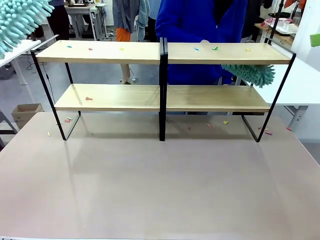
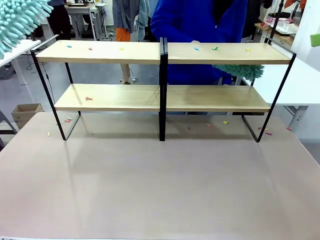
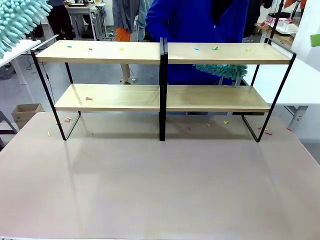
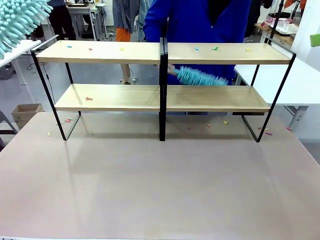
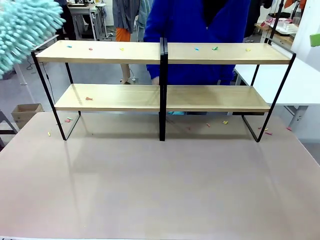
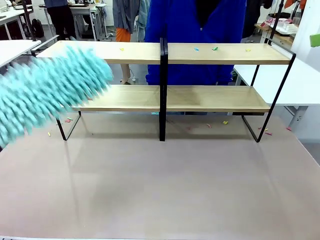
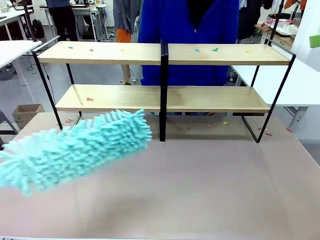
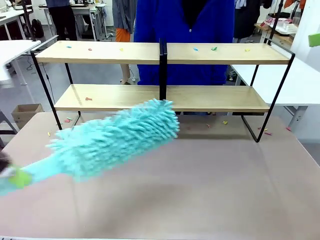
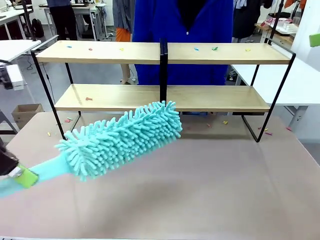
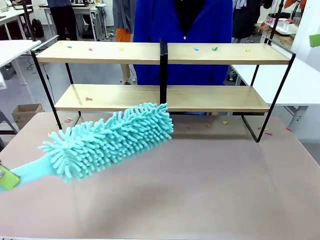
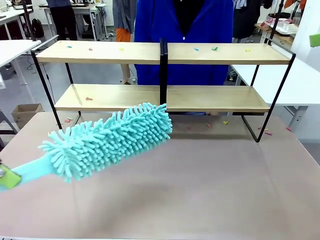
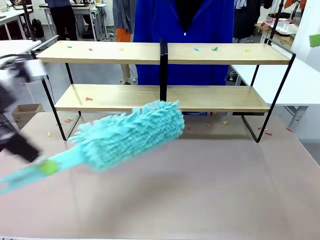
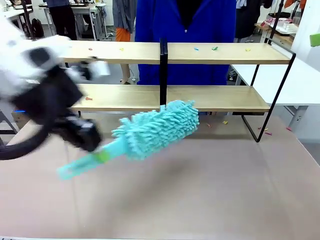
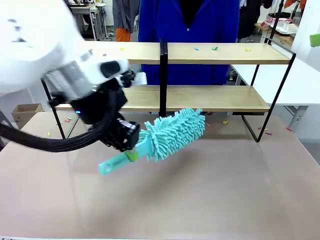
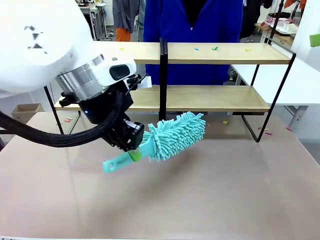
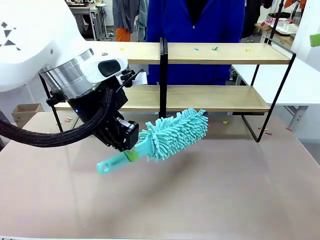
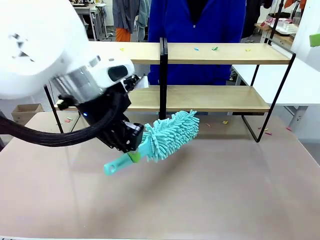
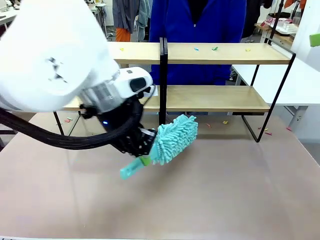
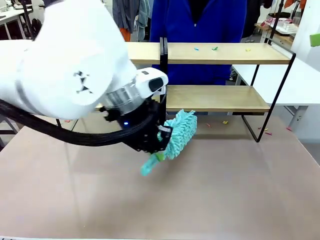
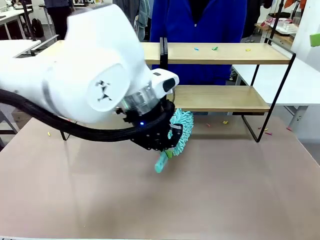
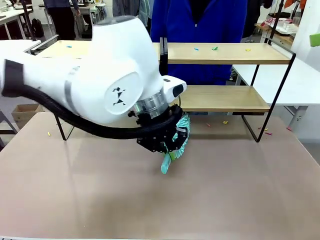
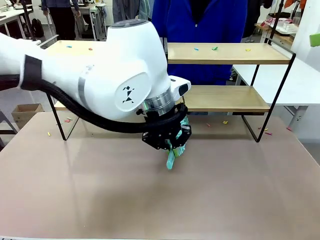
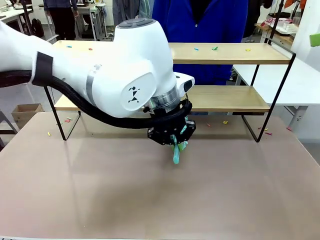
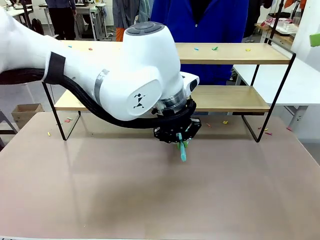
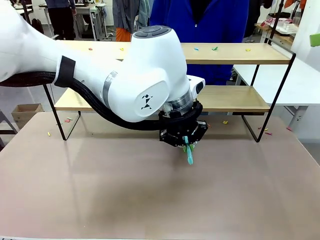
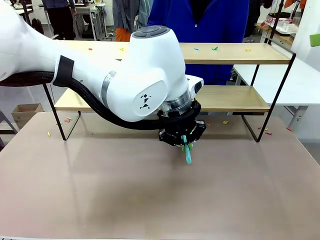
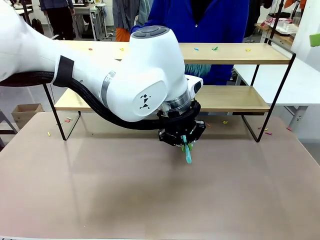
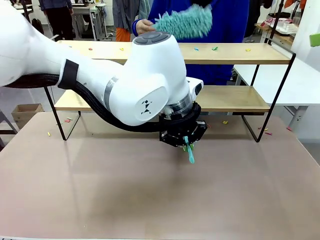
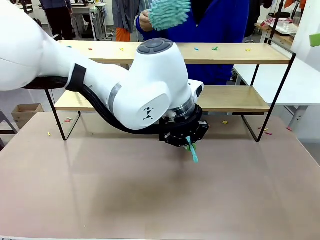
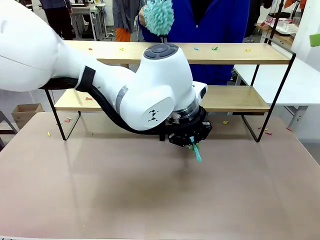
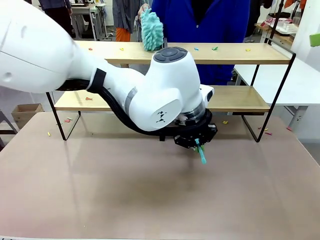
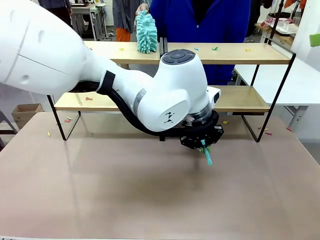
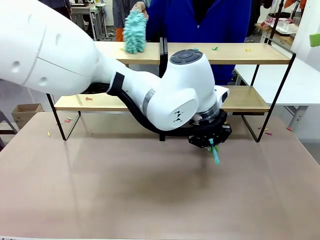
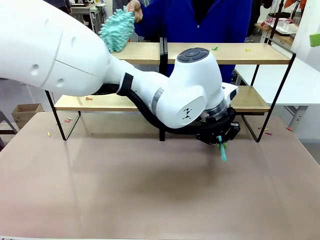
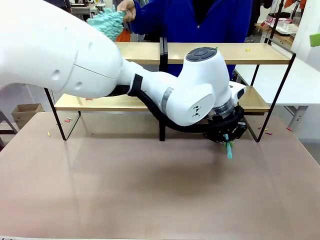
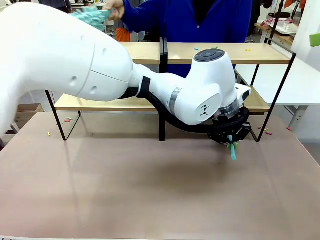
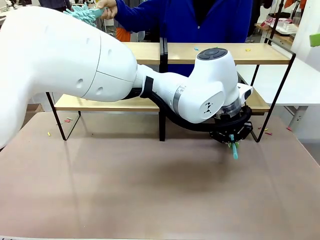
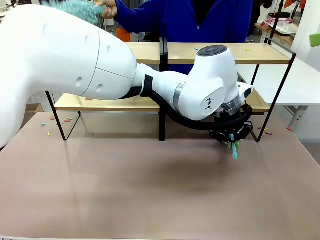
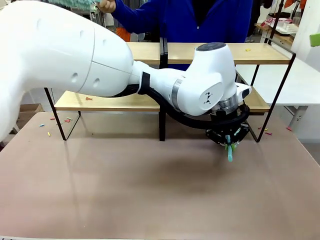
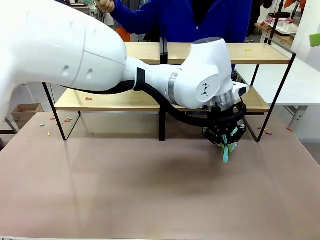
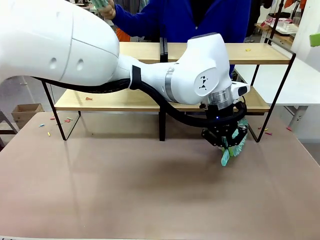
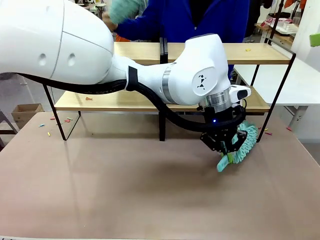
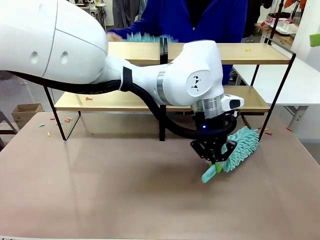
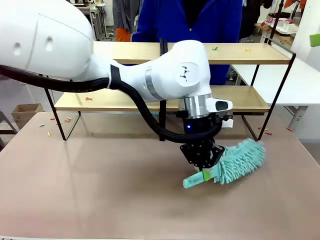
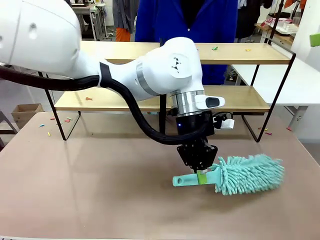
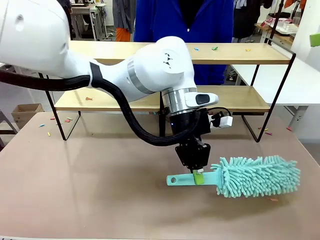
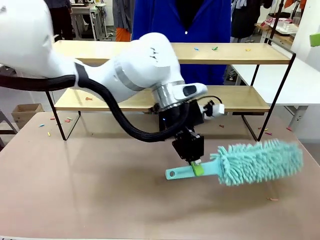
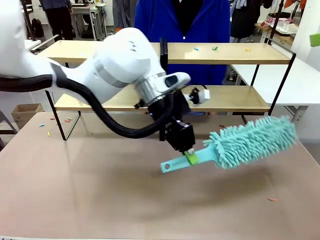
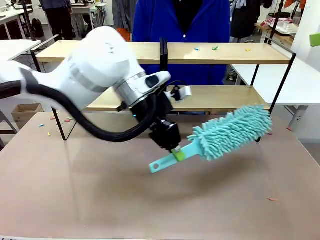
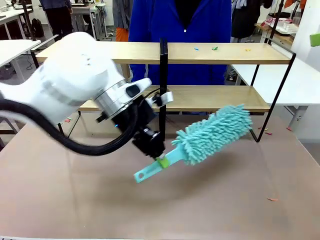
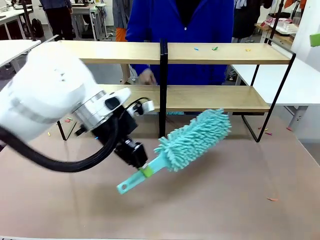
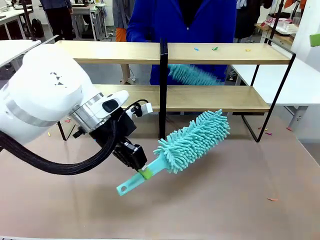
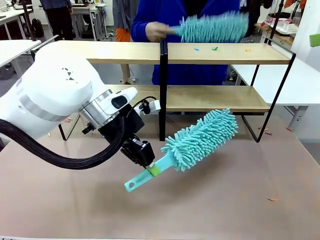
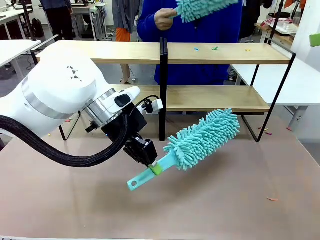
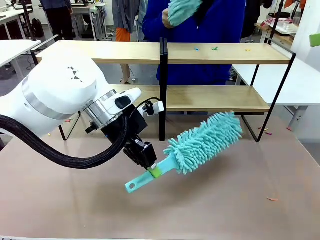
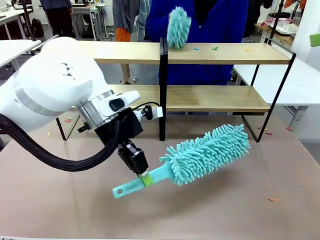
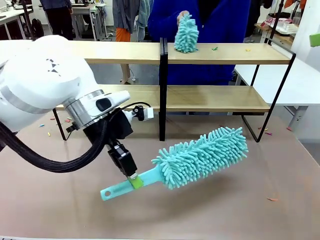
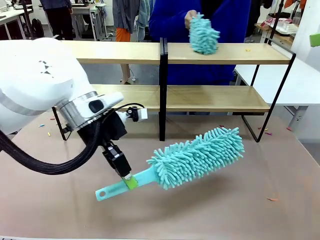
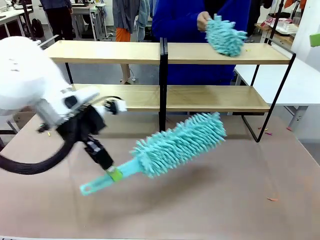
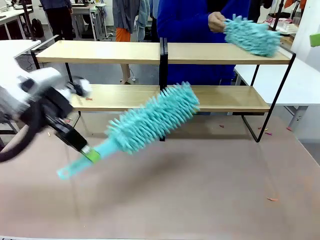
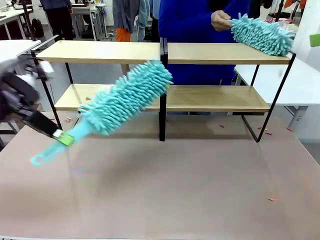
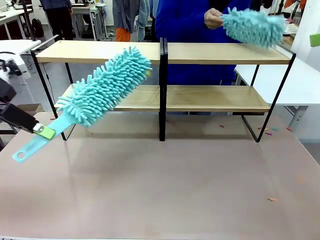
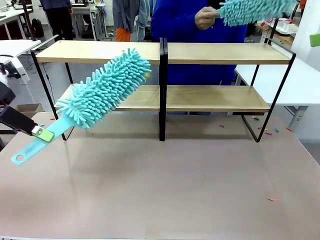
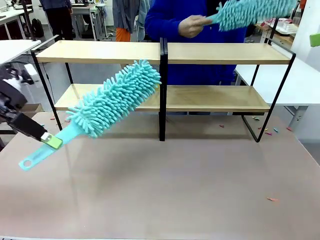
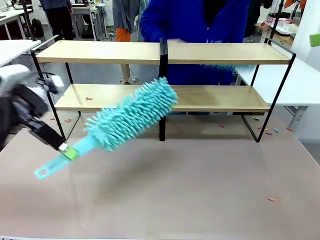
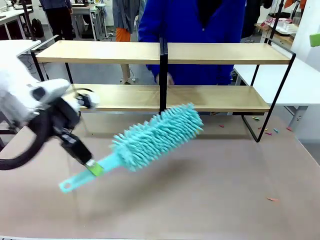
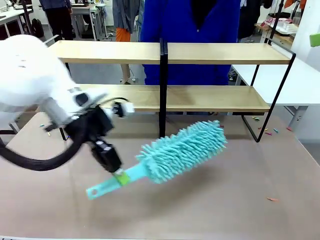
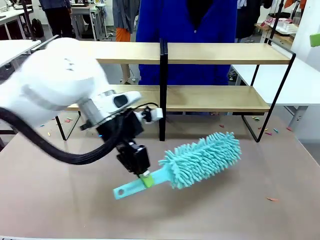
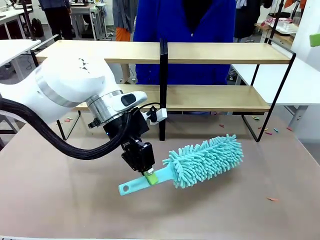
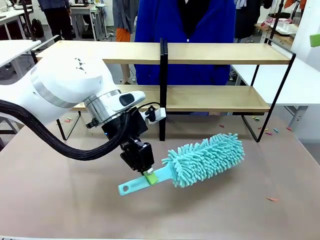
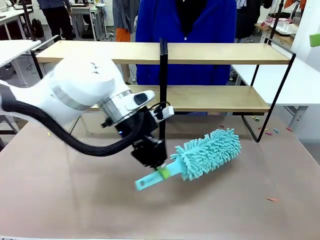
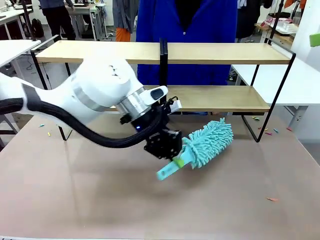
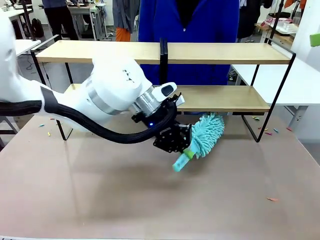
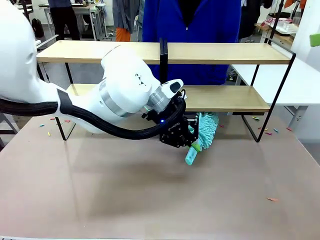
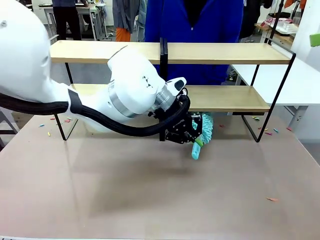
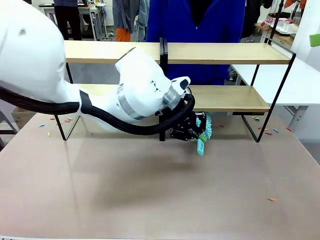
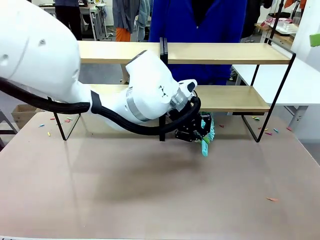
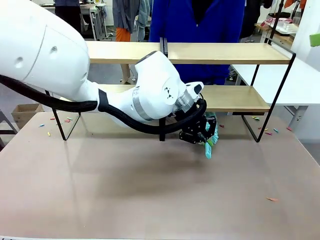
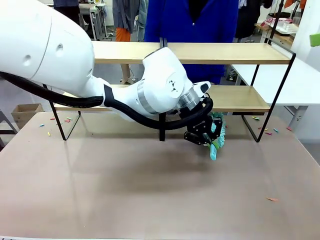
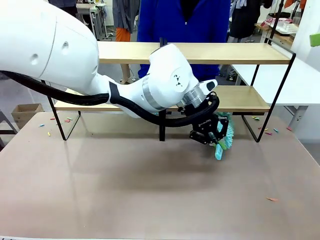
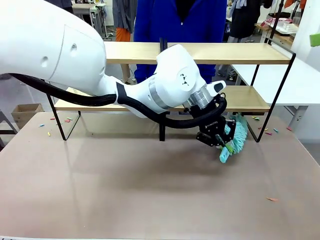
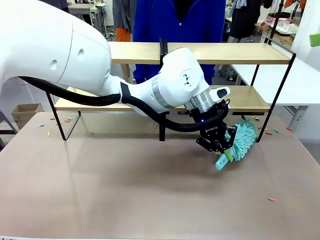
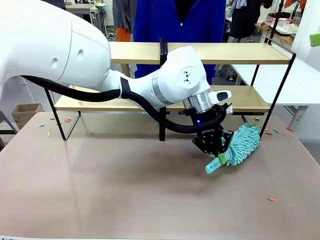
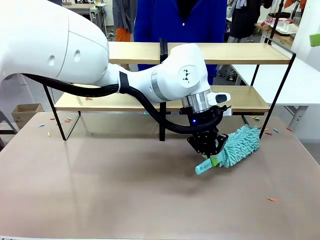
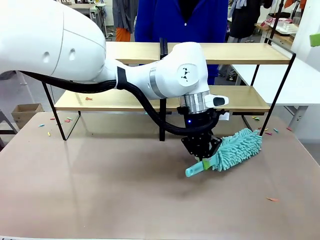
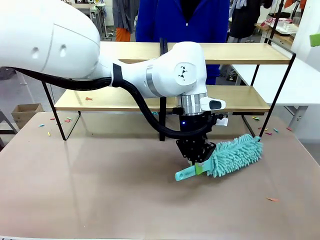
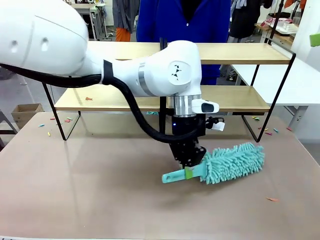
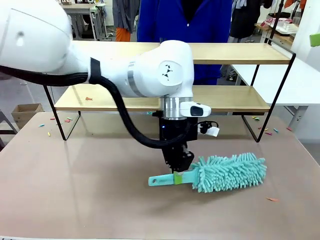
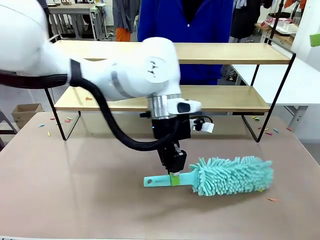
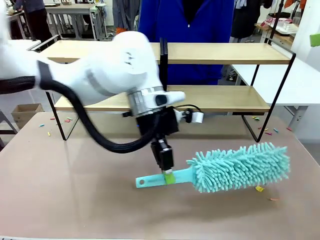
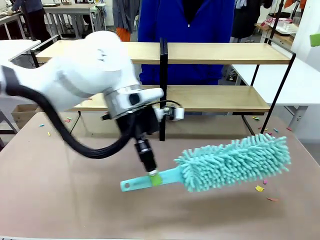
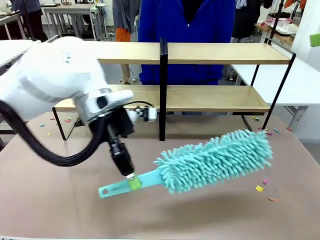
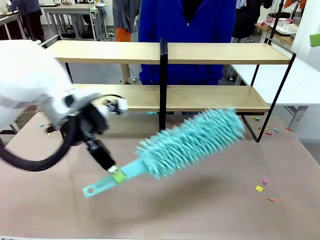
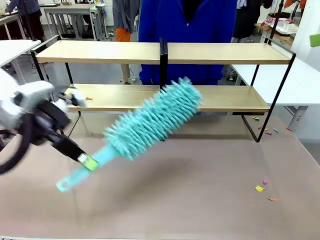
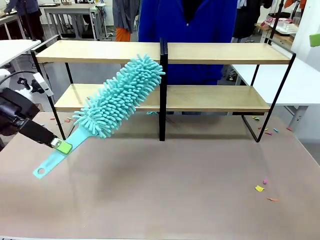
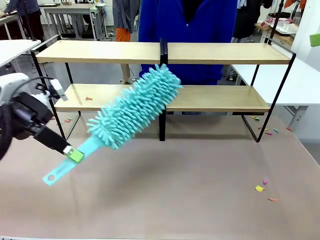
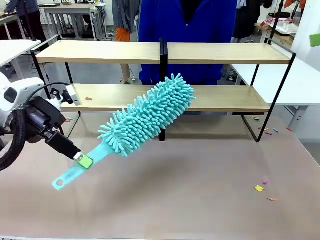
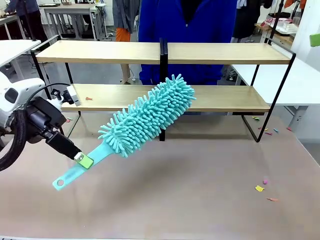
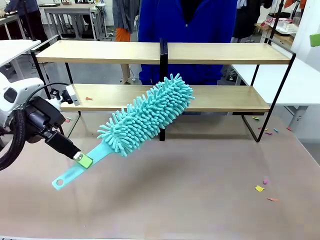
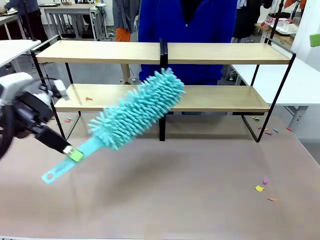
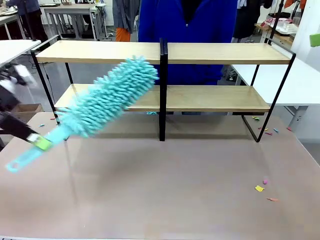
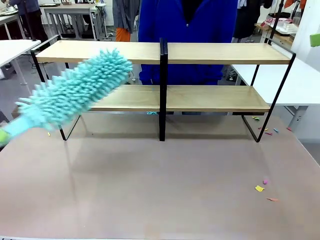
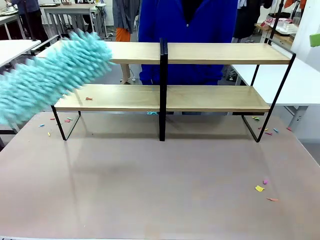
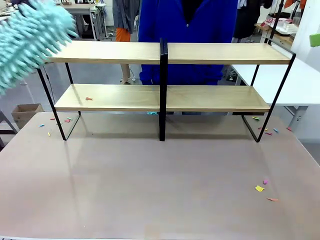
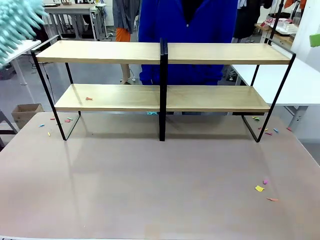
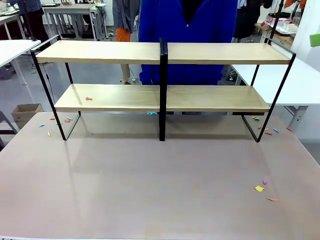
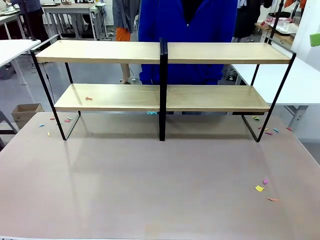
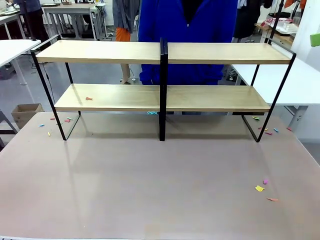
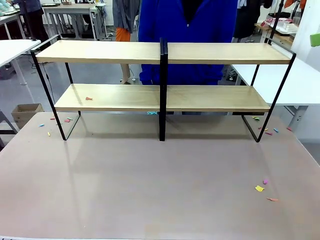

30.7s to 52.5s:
Task: Clean the shelves.
Robot: Clean another randomly selected level of the Shelf with the Duster.
Person: Clean a randomly selected level of the Shelf with the Duster.
